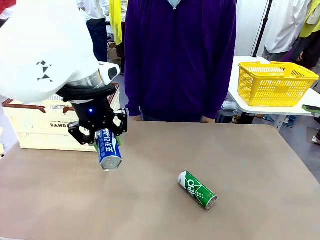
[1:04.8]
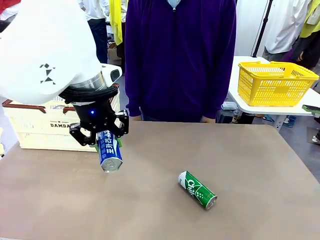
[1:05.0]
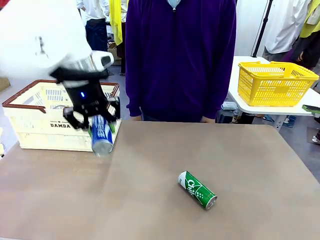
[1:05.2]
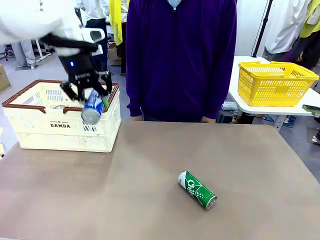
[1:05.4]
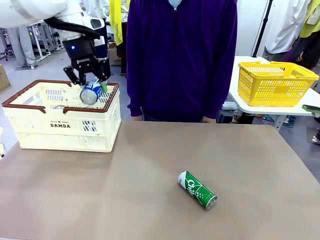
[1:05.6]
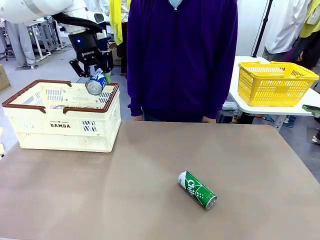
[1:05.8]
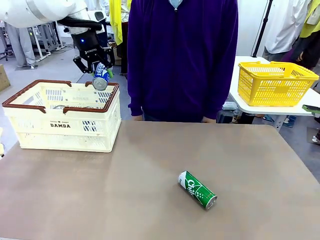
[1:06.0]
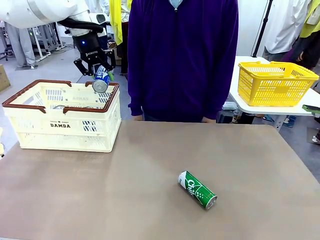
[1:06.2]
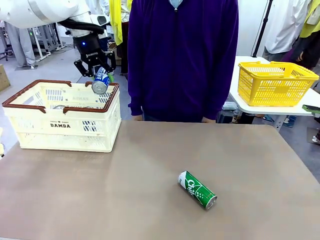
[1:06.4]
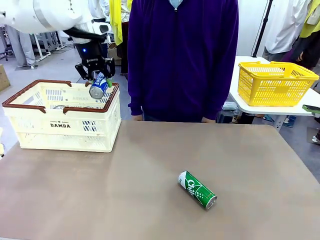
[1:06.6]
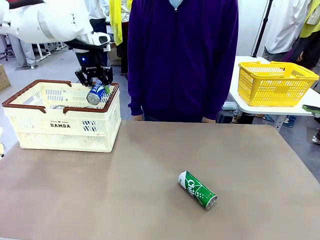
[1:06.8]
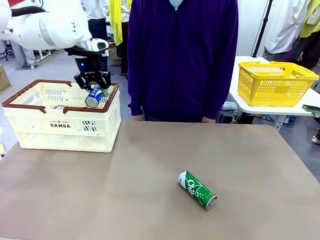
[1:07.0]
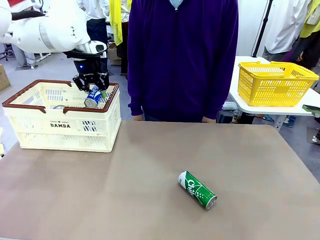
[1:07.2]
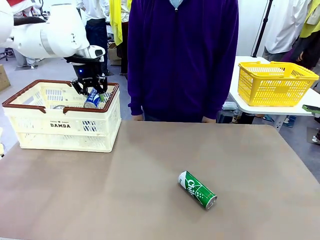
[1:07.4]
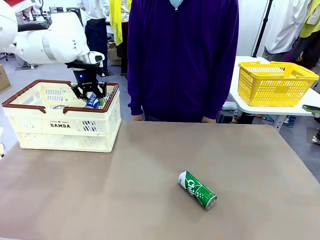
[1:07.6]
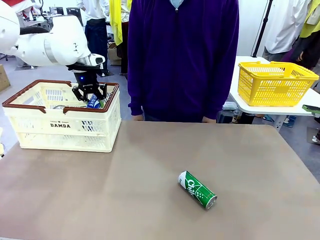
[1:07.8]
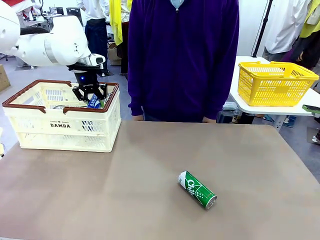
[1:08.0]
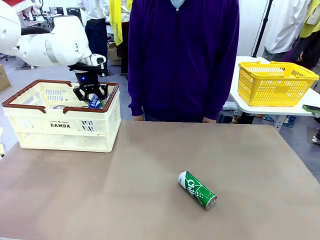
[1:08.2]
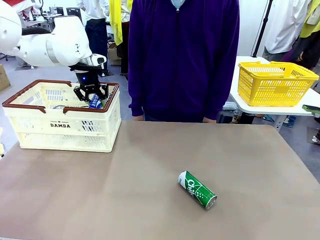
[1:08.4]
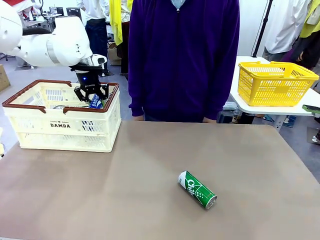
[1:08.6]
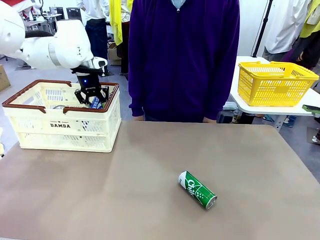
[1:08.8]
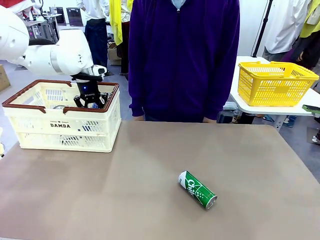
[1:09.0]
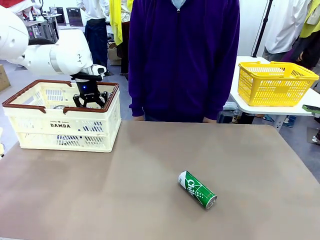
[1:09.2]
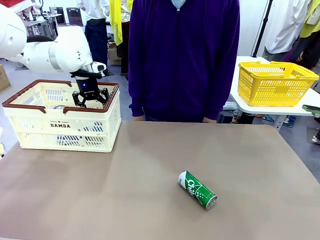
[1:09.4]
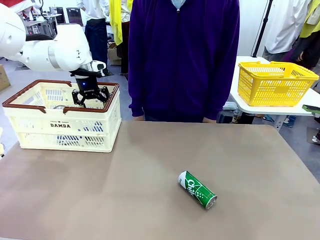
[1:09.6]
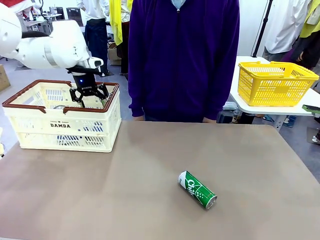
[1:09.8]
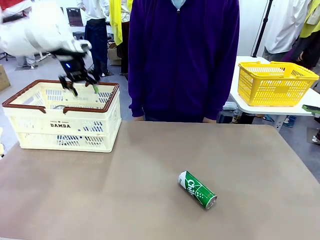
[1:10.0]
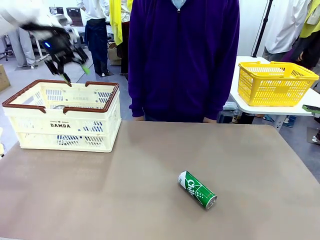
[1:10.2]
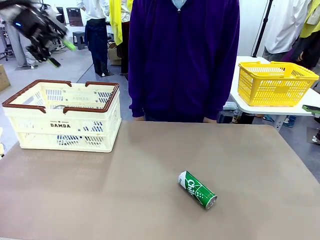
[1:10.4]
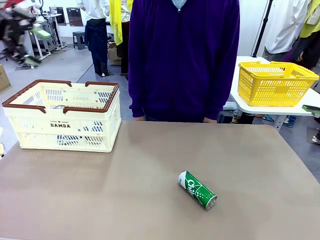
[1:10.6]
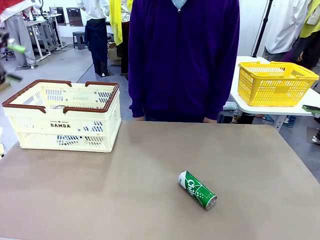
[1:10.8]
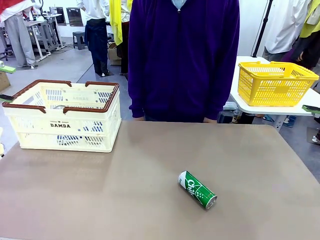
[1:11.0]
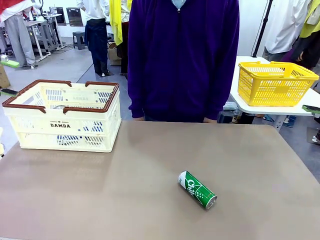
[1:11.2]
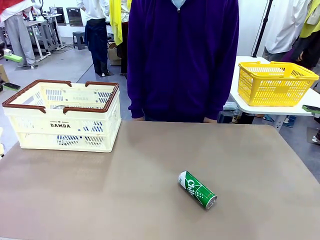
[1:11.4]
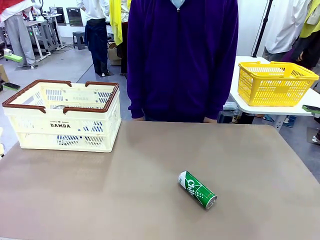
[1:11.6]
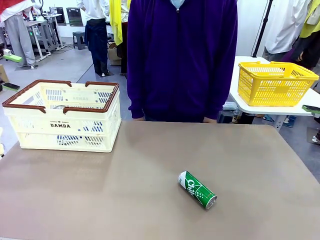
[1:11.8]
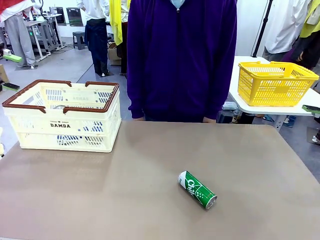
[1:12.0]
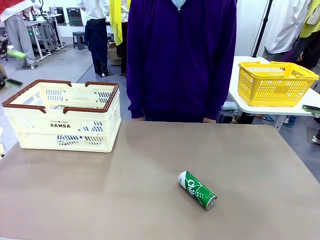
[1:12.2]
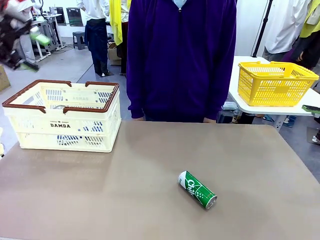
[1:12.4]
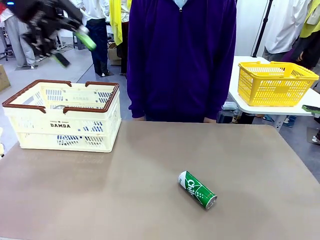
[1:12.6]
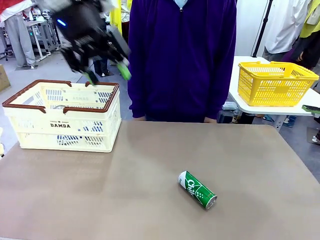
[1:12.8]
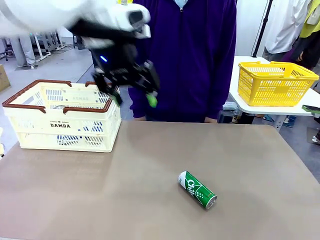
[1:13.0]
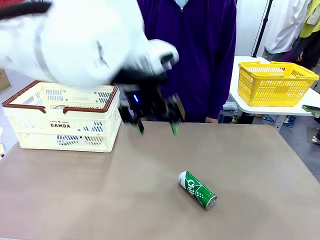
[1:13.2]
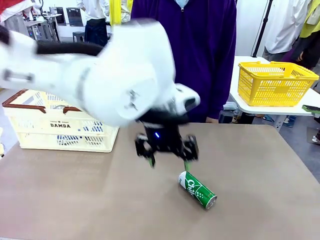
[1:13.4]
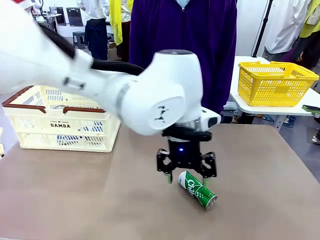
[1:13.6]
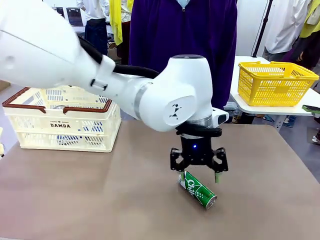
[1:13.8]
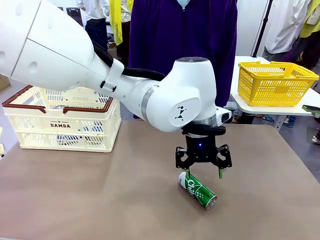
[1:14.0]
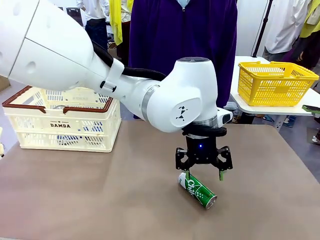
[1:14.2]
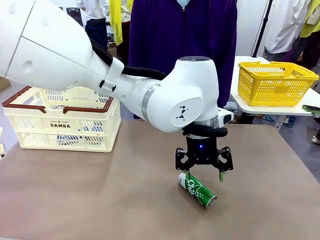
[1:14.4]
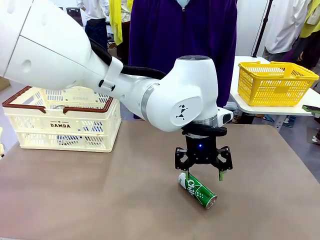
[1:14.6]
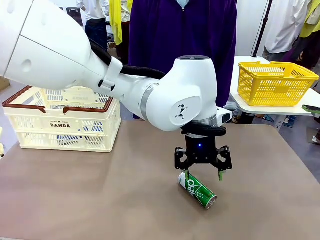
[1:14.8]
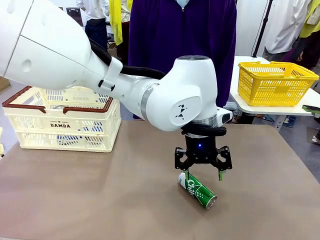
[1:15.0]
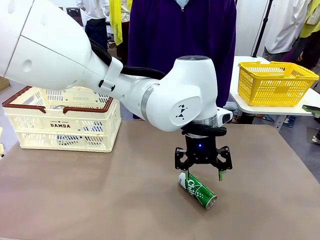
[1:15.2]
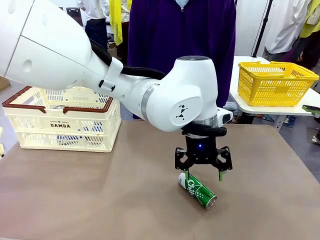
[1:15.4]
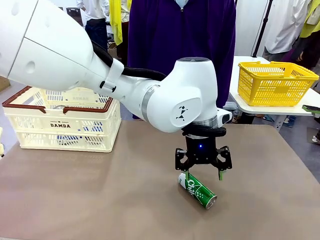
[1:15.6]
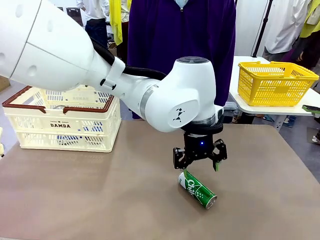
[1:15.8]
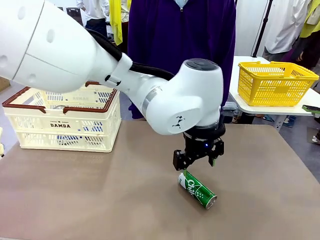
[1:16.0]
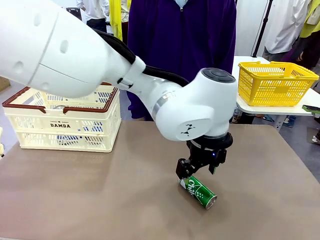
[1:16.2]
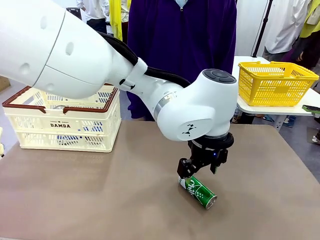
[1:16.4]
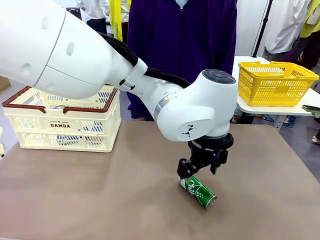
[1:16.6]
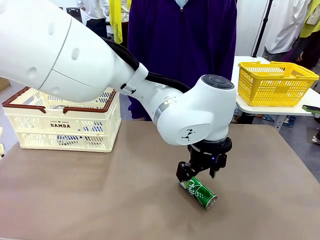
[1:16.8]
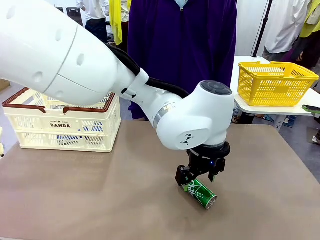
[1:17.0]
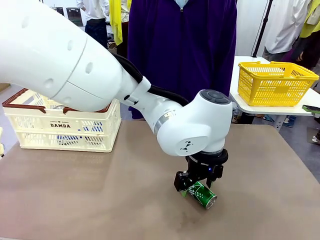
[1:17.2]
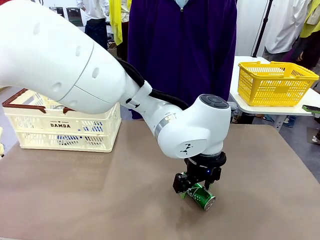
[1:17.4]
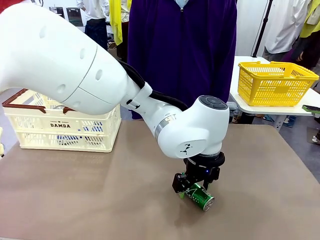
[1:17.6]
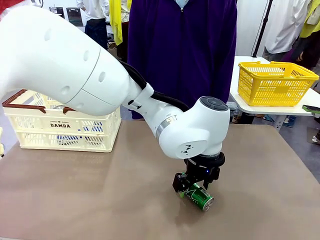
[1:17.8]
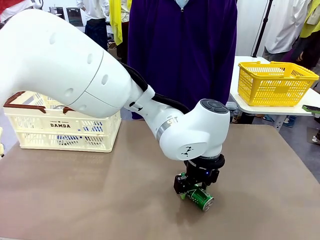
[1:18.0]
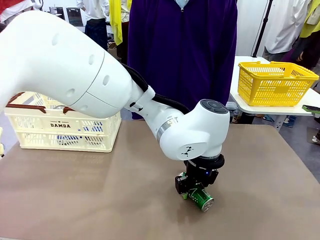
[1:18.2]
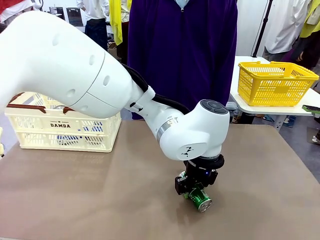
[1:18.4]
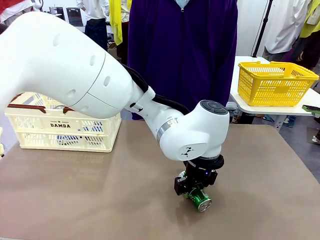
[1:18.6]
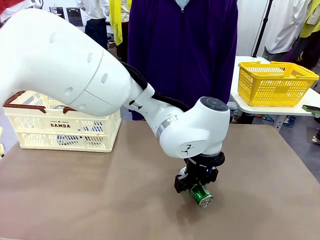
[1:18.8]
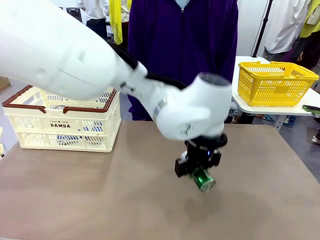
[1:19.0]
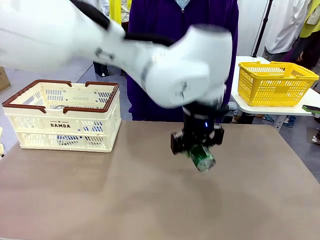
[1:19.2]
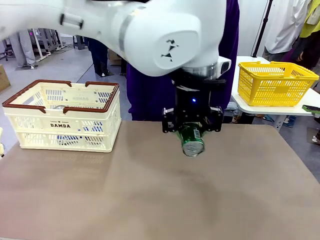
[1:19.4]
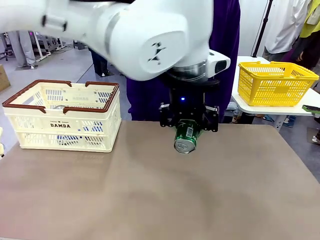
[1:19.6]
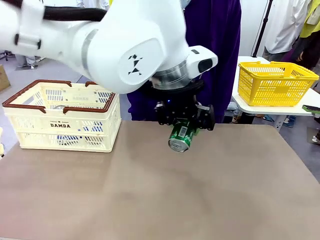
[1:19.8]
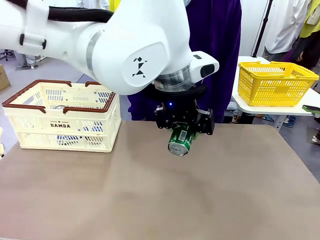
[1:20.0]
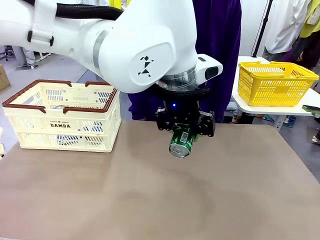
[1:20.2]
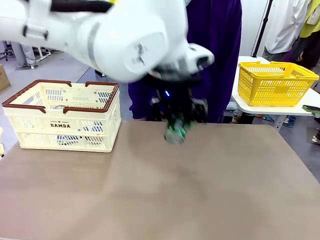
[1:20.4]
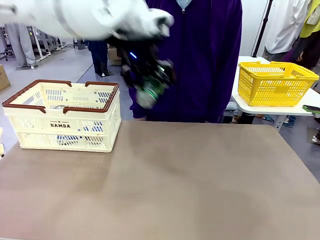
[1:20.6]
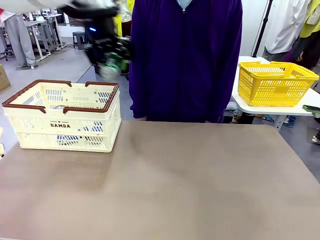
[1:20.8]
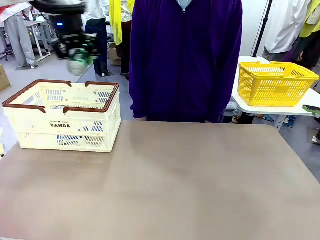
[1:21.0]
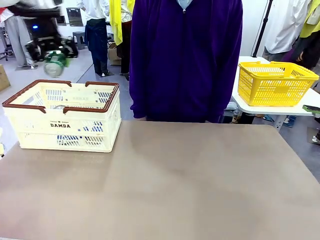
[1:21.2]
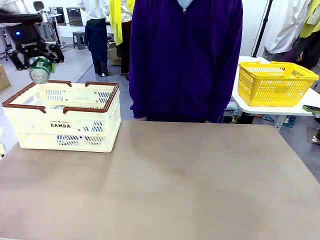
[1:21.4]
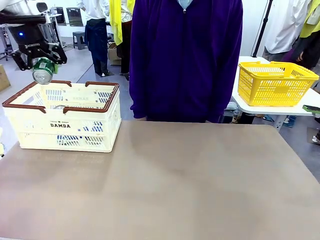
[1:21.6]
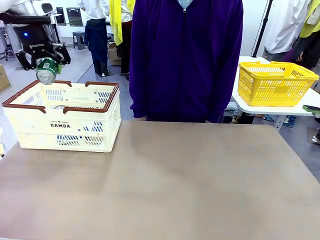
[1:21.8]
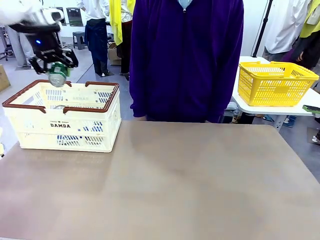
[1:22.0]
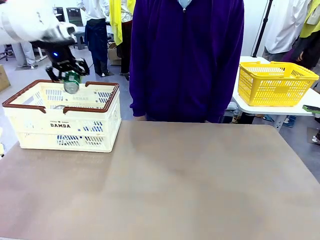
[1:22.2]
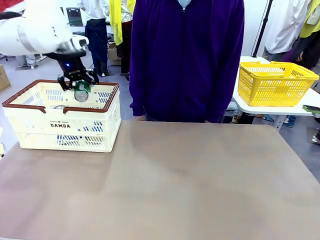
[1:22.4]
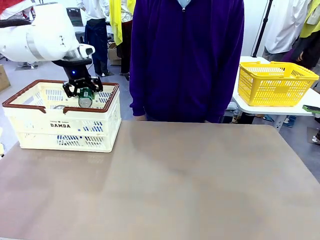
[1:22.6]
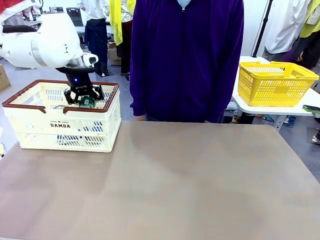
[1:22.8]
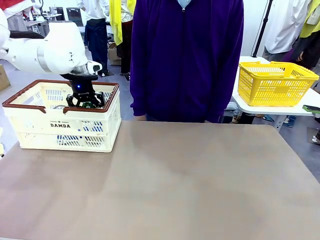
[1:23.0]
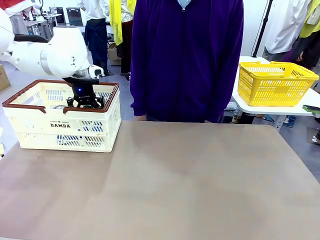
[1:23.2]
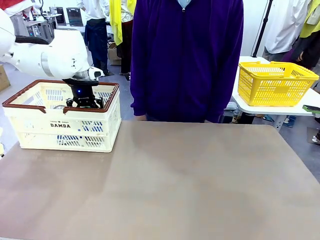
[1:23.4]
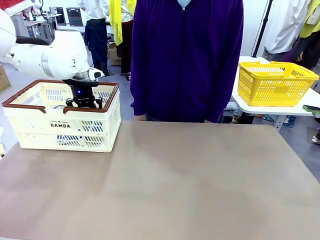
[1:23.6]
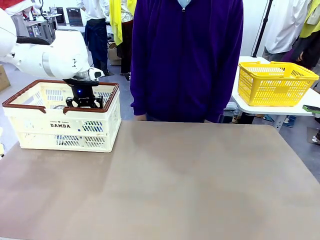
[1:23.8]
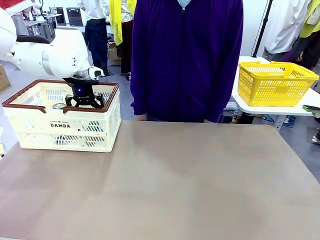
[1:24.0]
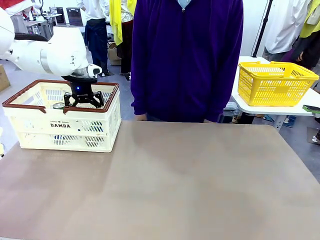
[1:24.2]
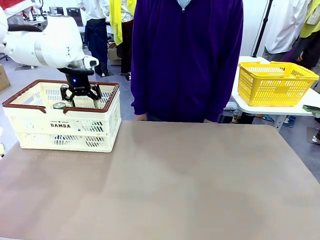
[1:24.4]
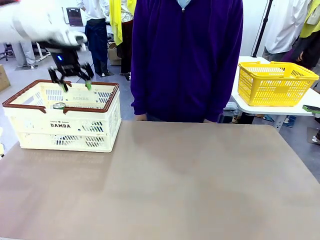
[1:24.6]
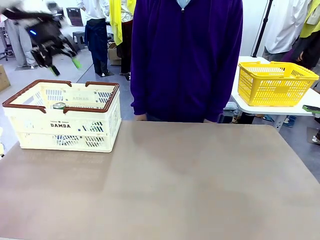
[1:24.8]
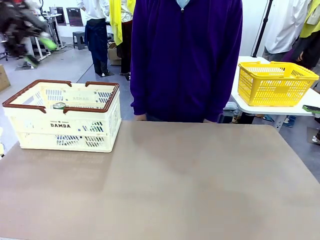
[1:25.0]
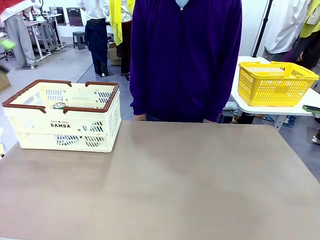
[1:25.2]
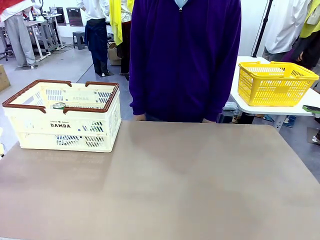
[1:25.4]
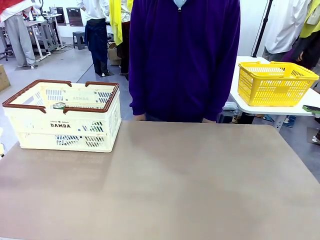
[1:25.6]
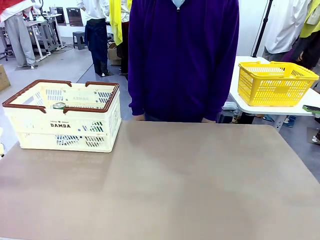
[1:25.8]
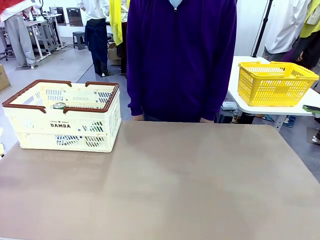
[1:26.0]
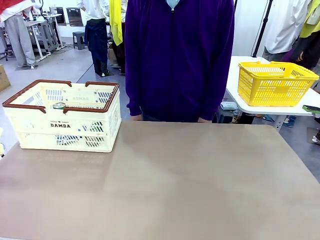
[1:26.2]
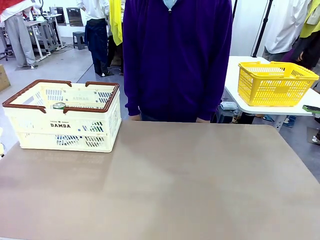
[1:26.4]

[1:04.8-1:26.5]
Task: Place the drinks into the Shopping basket.
Robot: Pick up one drink and place it into the Shopping basket.
